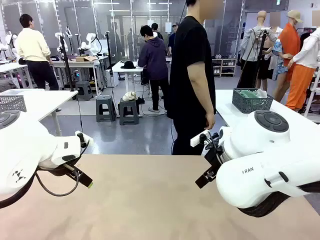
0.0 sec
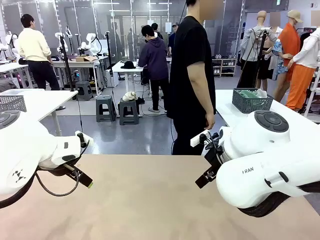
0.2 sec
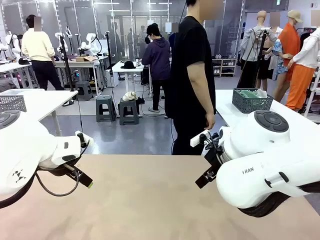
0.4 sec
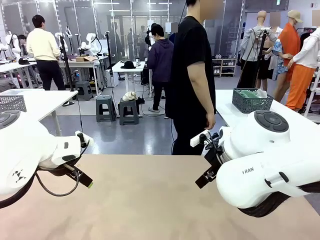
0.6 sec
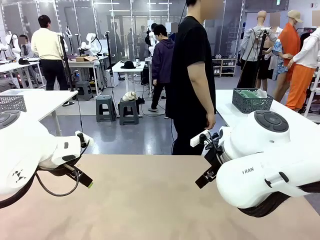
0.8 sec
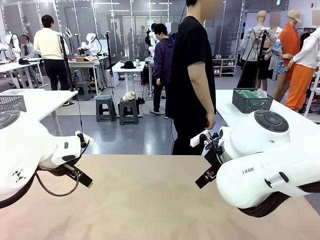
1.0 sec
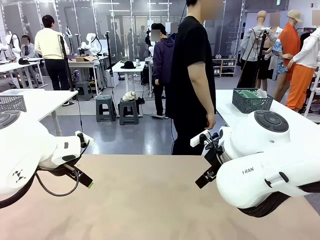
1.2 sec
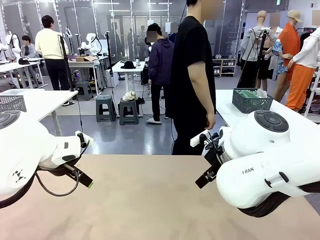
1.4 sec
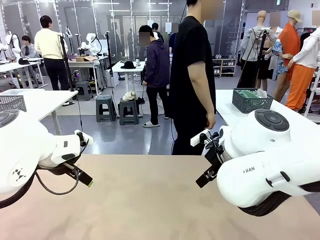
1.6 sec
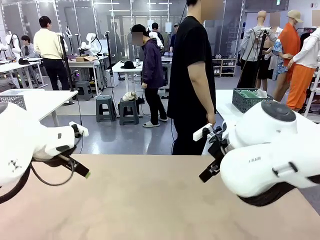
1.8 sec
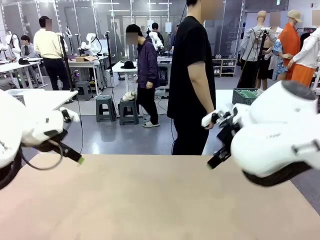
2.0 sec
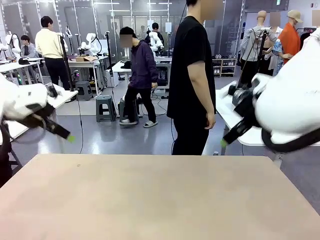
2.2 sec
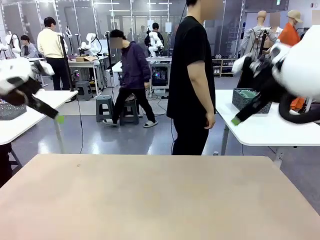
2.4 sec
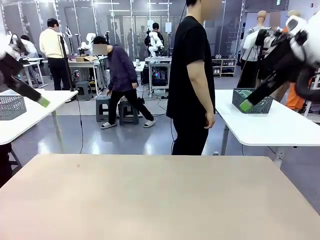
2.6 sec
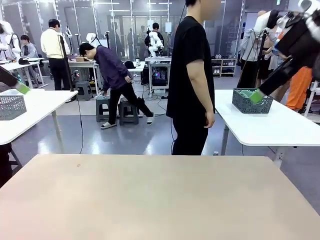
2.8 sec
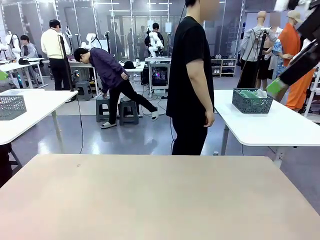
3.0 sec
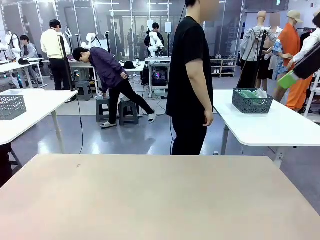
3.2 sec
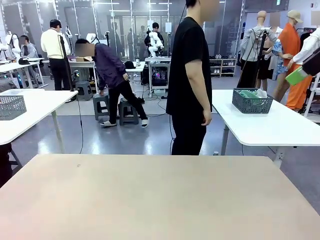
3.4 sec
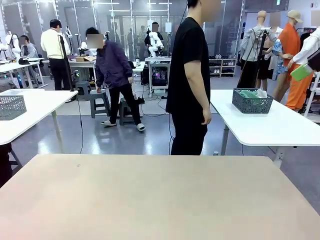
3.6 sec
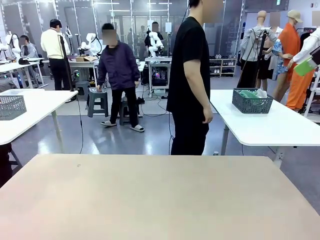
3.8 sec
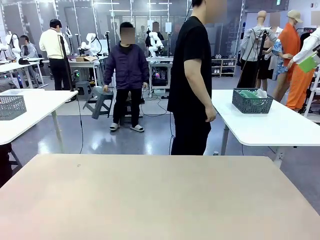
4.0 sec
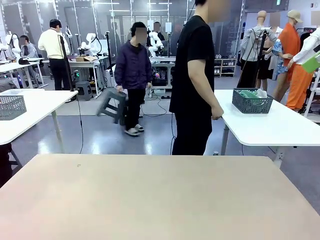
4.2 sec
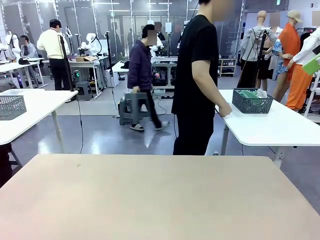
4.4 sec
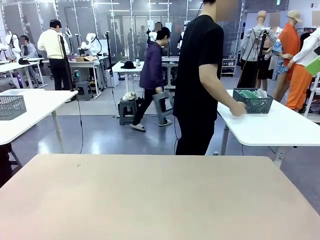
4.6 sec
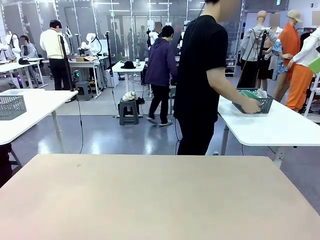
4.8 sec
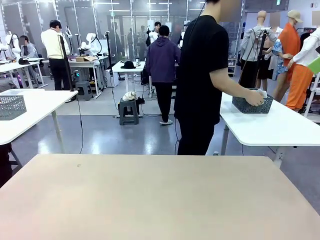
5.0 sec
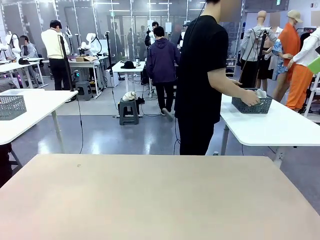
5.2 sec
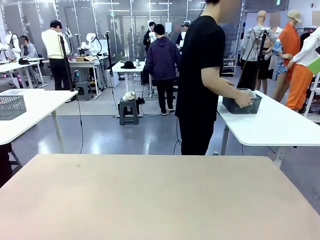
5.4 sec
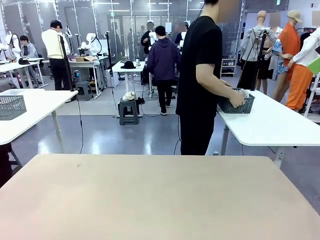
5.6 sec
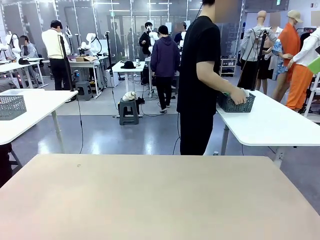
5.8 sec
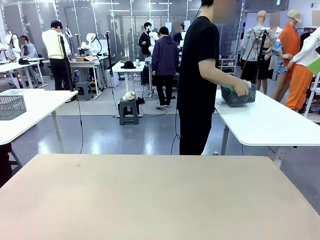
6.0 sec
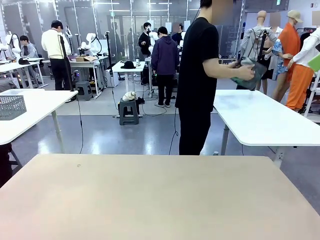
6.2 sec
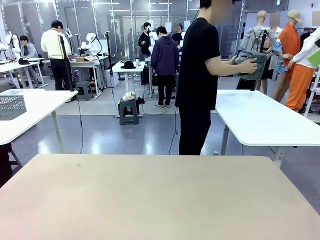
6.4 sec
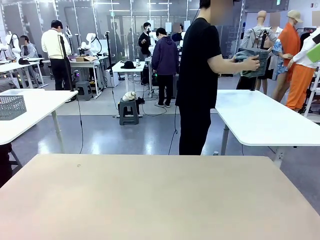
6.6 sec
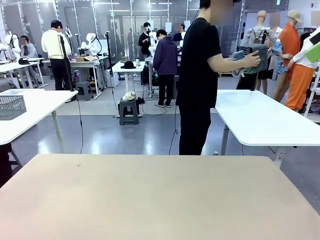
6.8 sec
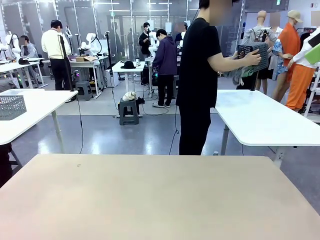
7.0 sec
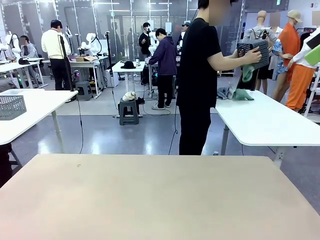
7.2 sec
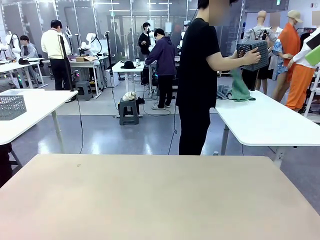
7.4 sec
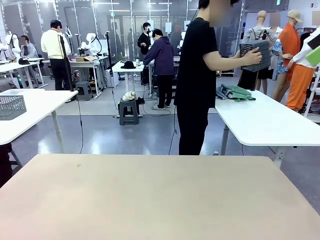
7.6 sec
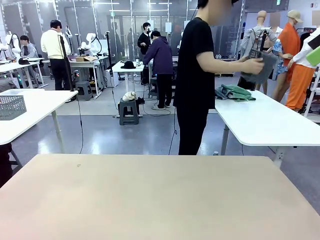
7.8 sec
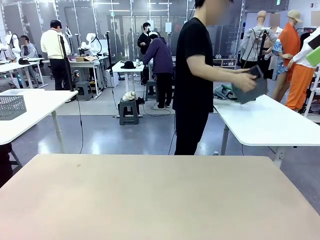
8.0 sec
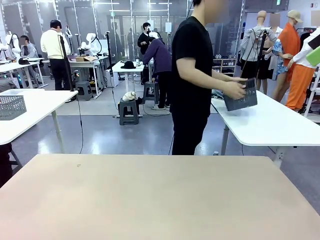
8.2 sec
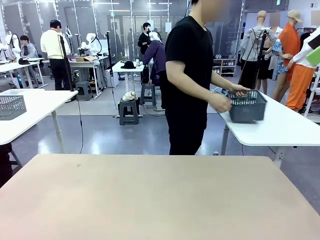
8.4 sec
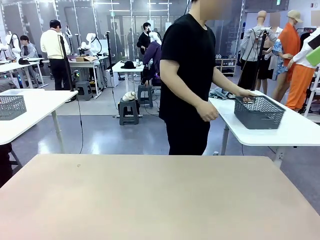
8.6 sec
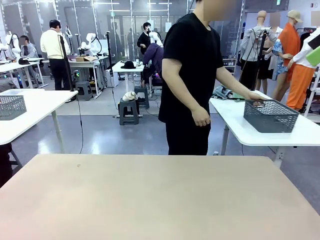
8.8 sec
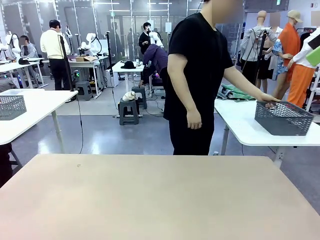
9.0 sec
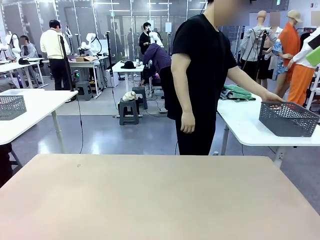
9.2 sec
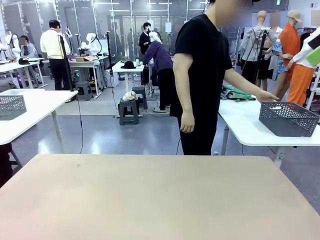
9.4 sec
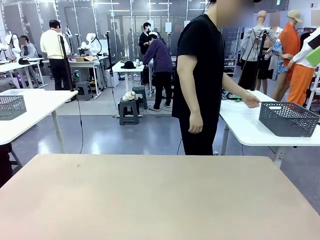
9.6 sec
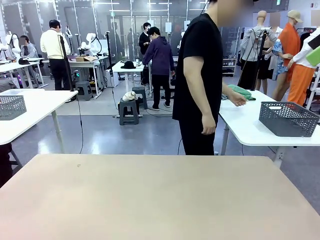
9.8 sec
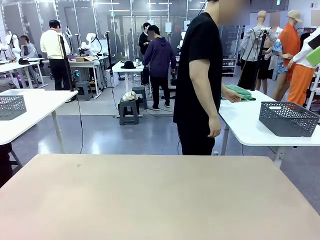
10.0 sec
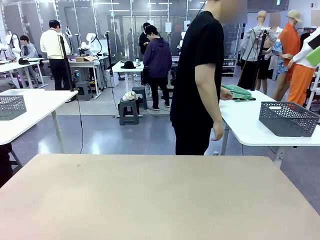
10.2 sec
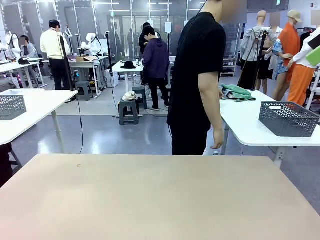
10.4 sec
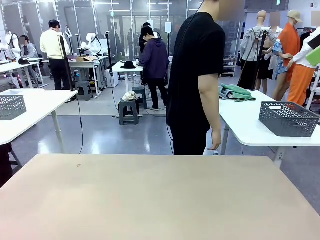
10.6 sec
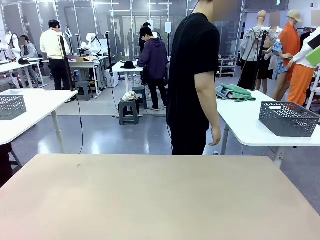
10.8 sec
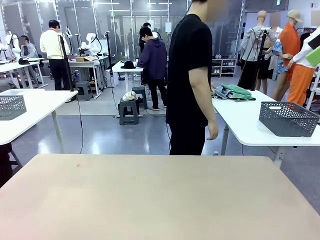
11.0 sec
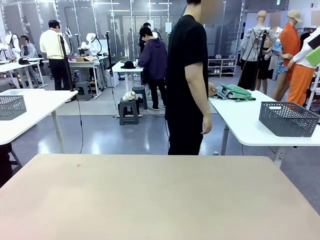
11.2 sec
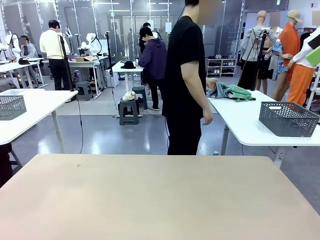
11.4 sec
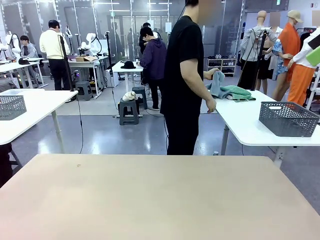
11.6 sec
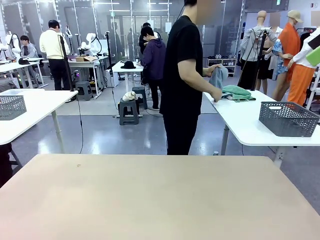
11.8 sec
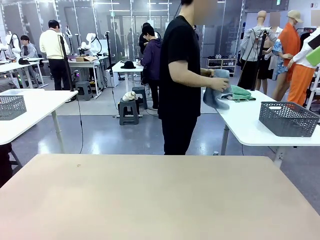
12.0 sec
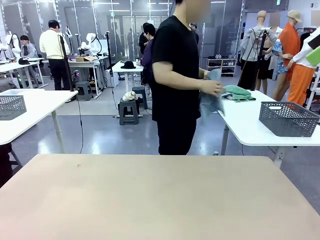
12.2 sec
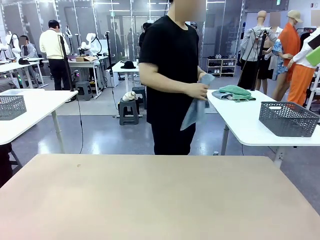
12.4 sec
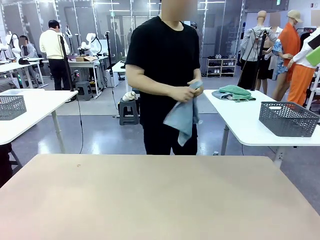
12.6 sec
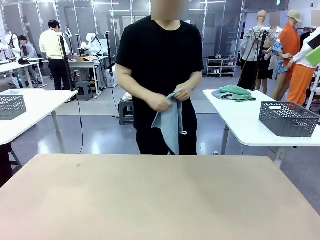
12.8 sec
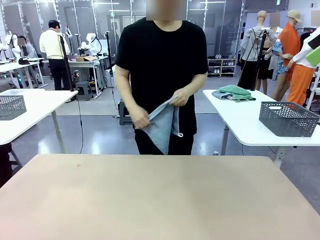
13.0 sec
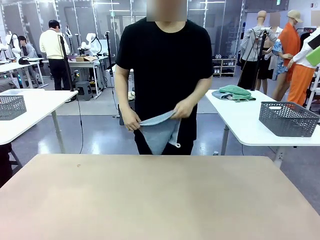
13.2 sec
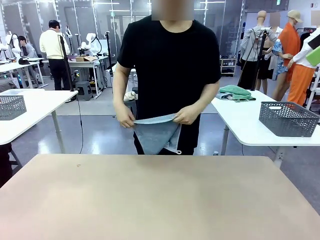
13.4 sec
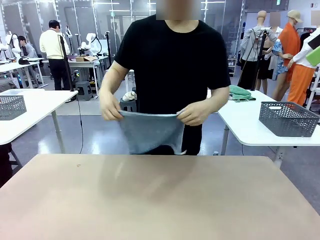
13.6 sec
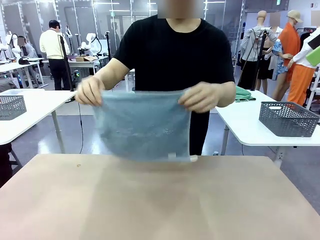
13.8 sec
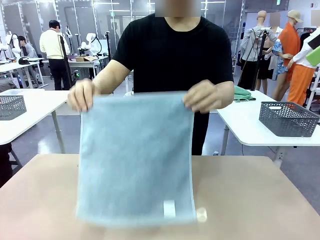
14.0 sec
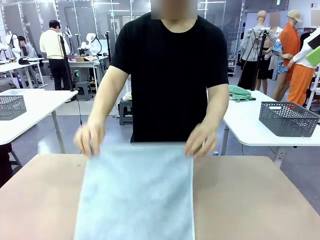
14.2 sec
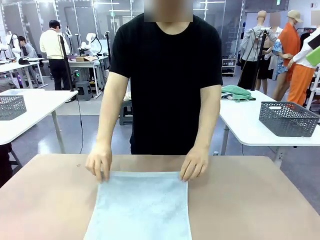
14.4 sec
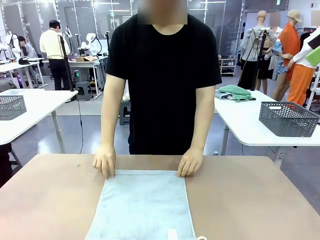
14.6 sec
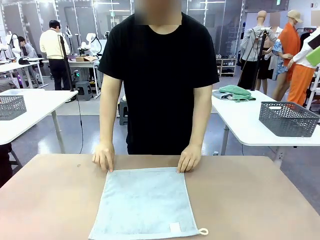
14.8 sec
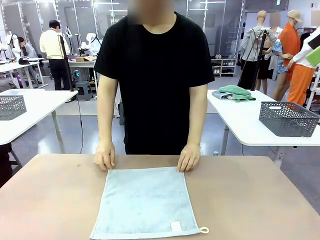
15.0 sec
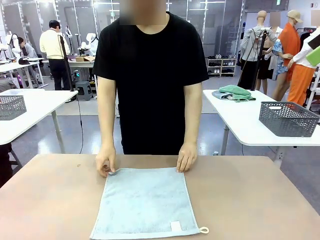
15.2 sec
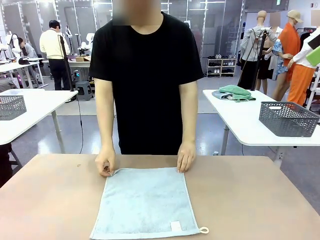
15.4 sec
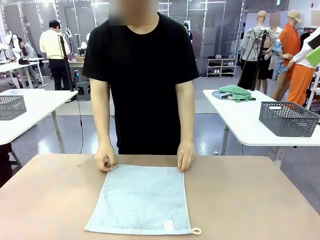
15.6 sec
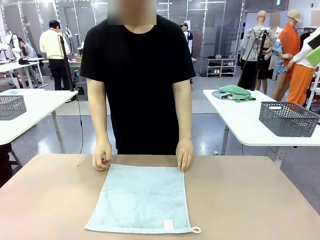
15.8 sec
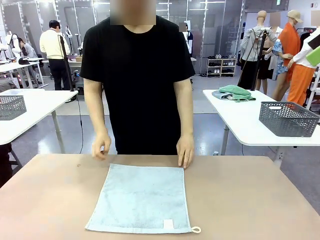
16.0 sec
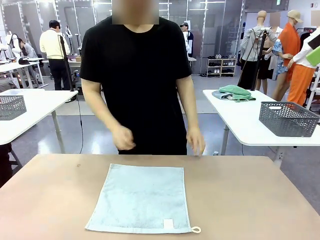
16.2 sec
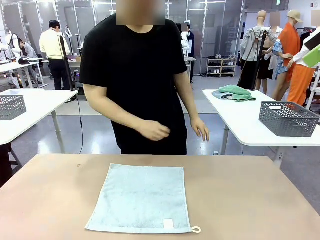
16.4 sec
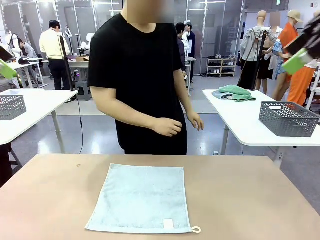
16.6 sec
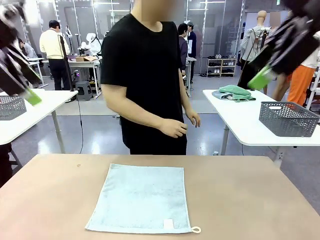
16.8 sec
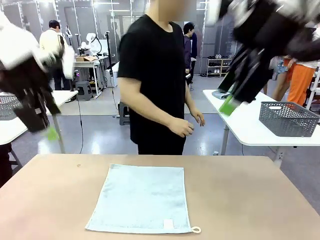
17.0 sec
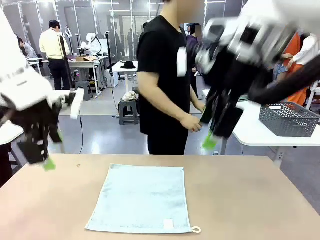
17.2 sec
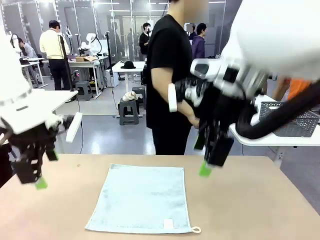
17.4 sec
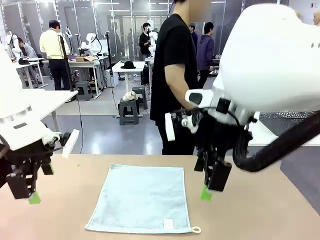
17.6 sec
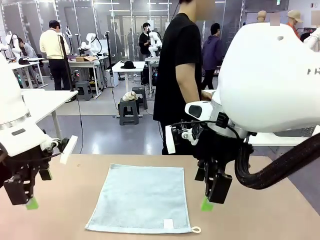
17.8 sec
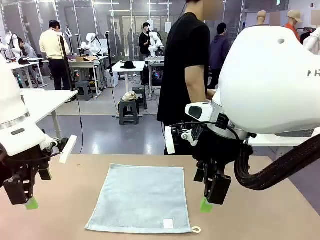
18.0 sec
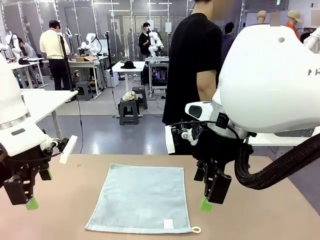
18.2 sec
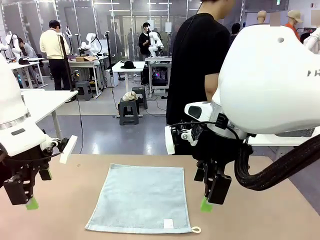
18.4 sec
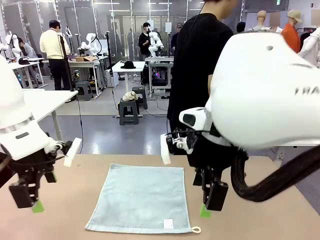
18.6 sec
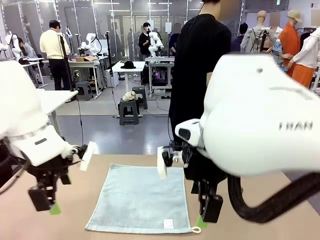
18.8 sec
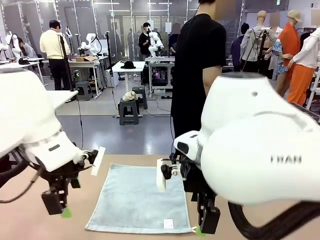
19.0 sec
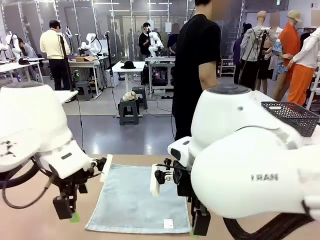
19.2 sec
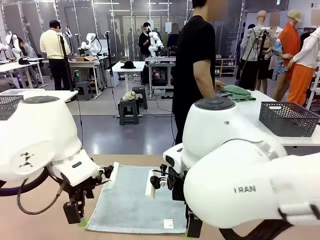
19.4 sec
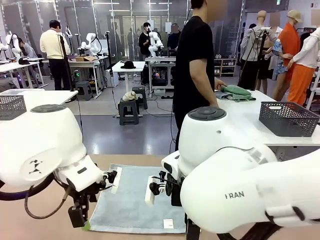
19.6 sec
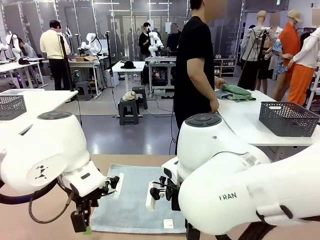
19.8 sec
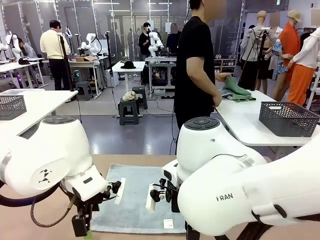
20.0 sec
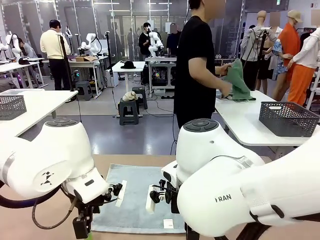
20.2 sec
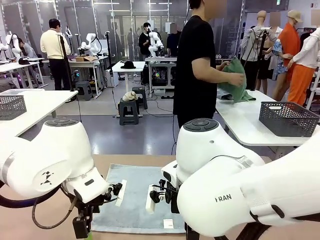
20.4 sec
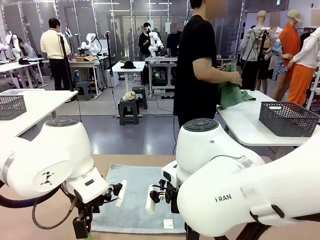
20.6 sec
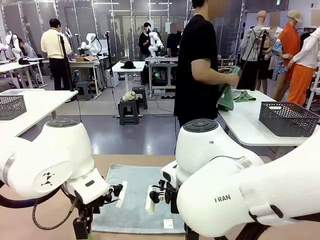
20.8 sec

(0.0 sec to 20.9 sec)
Task: Fold the towels and place them in the basket.
Robot: When a person lays out a Towel with hook on the table, fold it in half twice.
Person: Pick up the basket, pour the towels onto the left side of the human table, and place the basket on the right side. Pick up one towel and spread it out at the center of the robot table.
